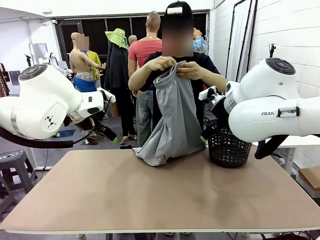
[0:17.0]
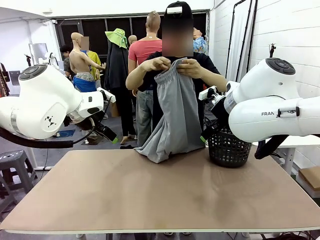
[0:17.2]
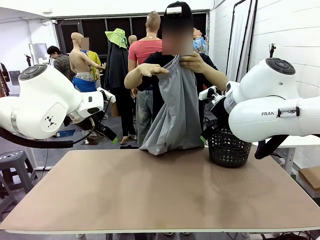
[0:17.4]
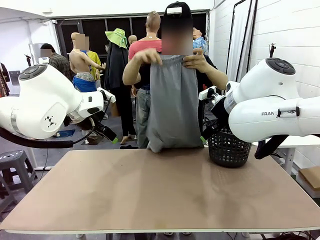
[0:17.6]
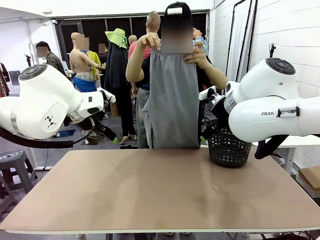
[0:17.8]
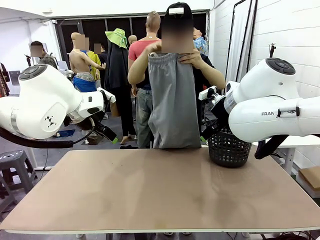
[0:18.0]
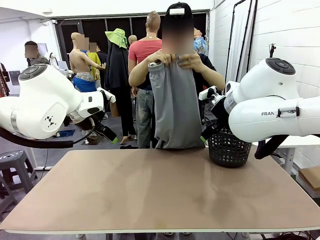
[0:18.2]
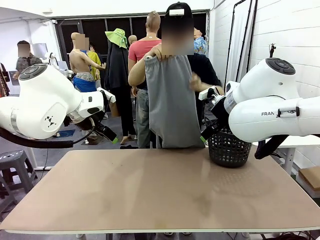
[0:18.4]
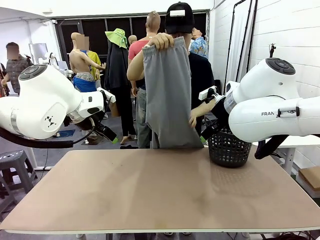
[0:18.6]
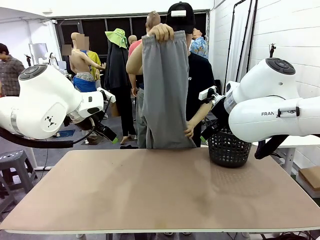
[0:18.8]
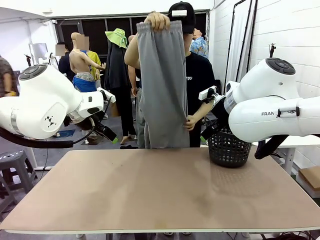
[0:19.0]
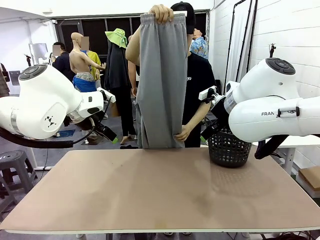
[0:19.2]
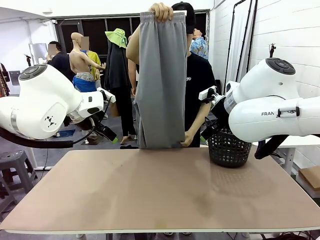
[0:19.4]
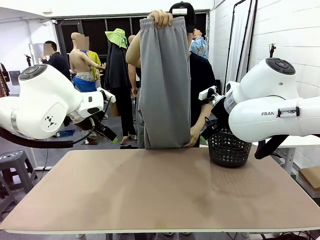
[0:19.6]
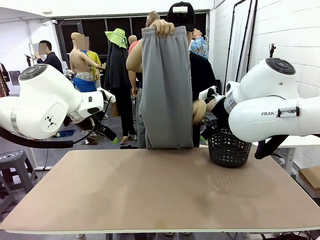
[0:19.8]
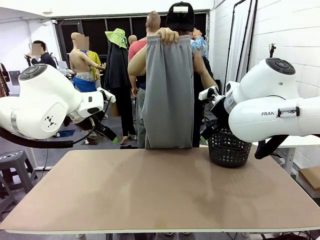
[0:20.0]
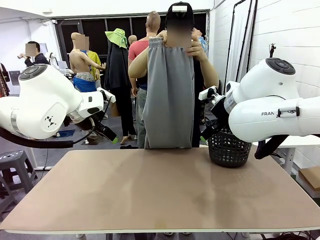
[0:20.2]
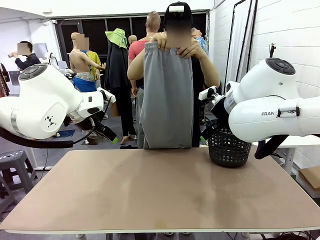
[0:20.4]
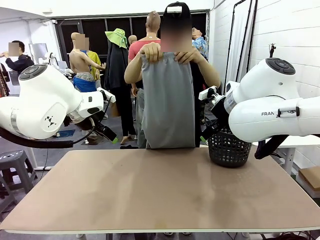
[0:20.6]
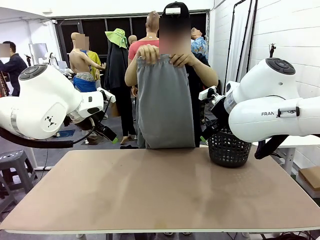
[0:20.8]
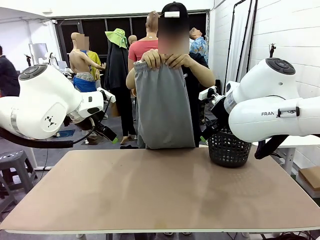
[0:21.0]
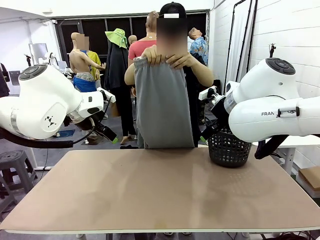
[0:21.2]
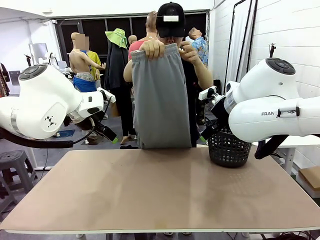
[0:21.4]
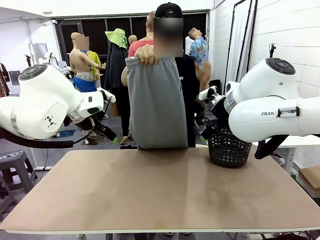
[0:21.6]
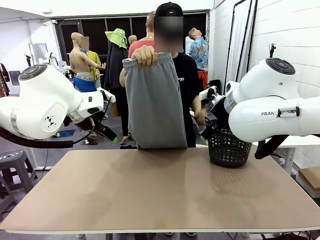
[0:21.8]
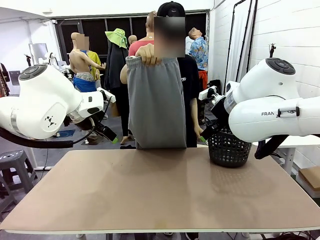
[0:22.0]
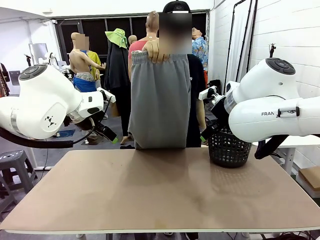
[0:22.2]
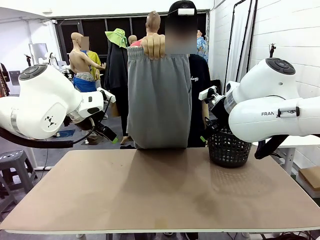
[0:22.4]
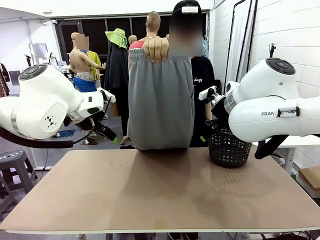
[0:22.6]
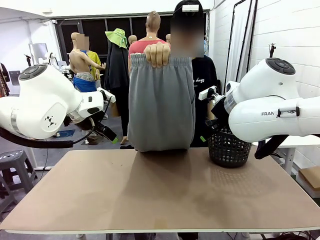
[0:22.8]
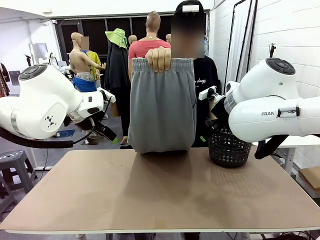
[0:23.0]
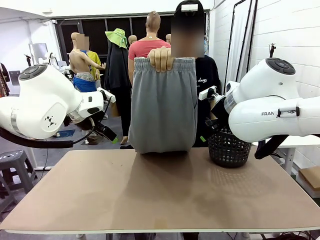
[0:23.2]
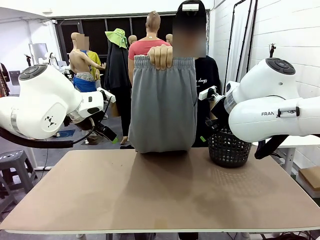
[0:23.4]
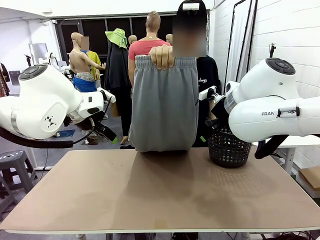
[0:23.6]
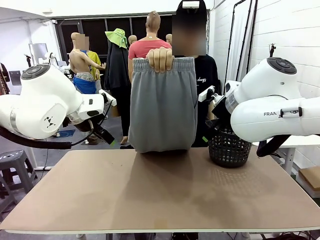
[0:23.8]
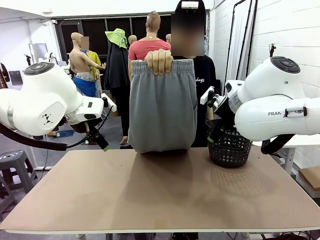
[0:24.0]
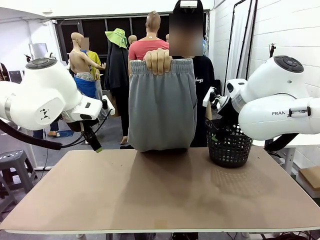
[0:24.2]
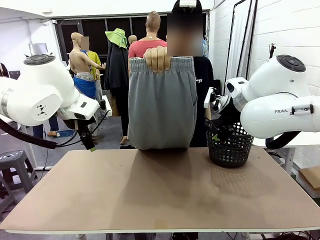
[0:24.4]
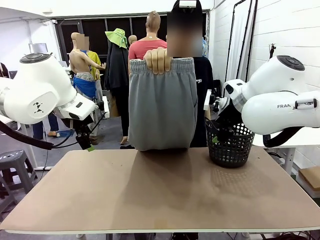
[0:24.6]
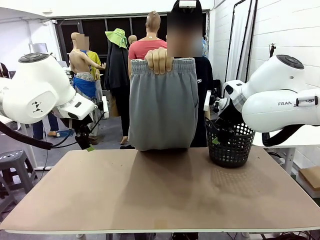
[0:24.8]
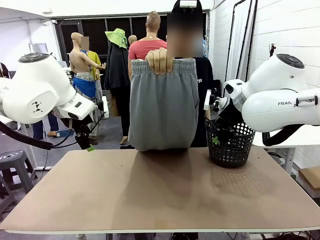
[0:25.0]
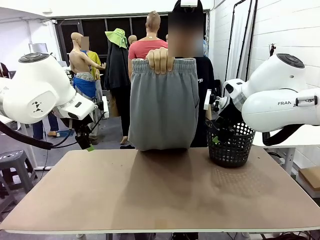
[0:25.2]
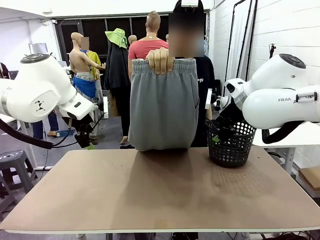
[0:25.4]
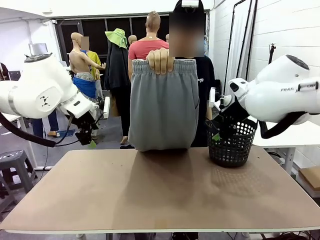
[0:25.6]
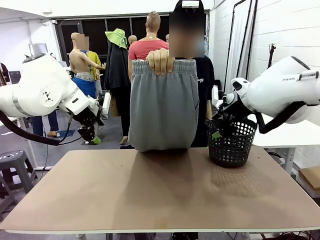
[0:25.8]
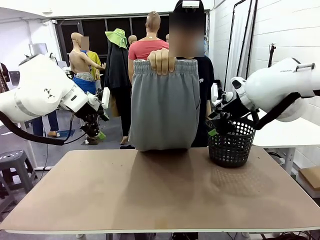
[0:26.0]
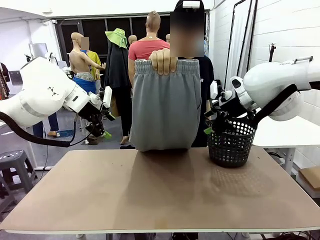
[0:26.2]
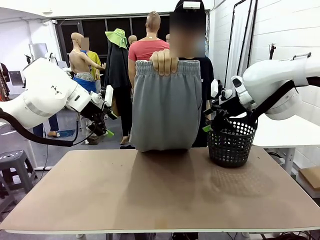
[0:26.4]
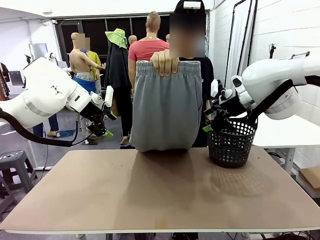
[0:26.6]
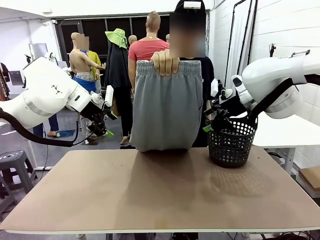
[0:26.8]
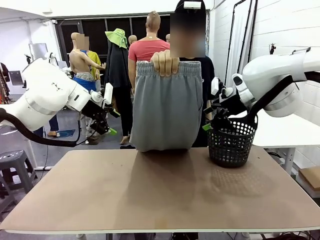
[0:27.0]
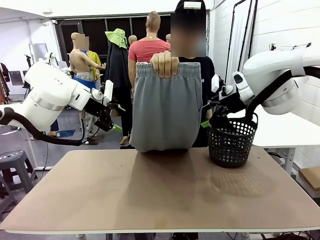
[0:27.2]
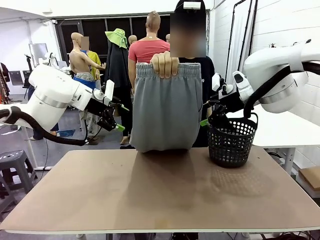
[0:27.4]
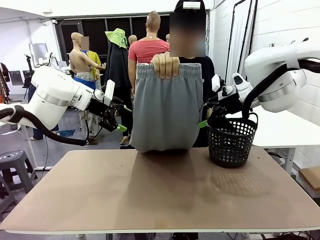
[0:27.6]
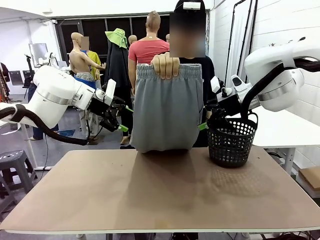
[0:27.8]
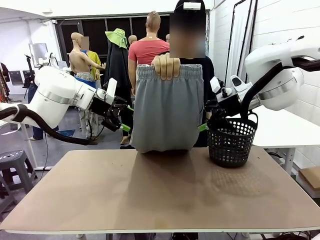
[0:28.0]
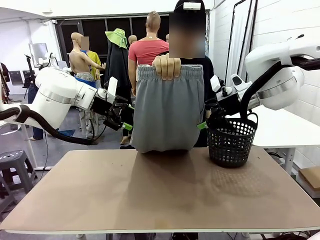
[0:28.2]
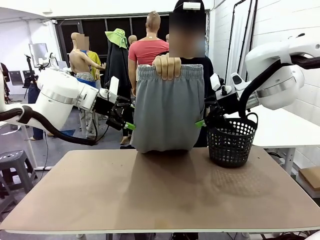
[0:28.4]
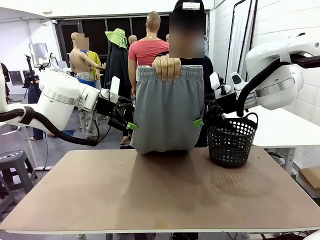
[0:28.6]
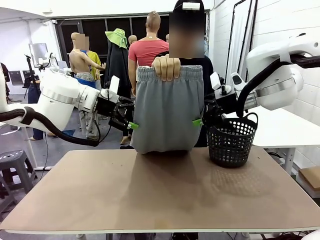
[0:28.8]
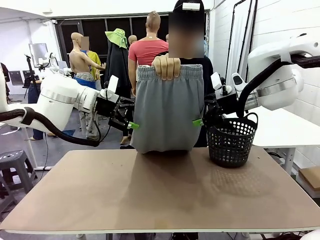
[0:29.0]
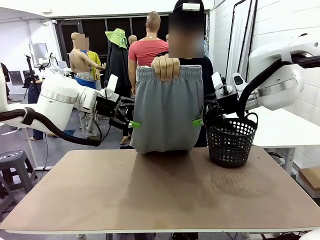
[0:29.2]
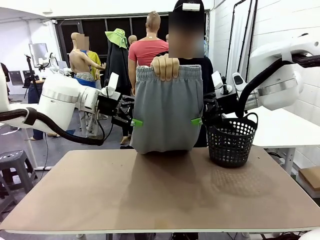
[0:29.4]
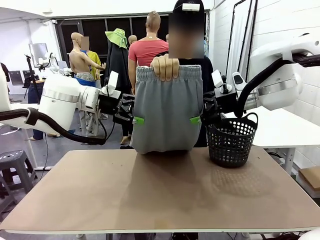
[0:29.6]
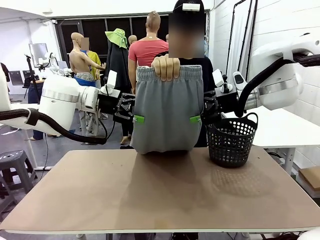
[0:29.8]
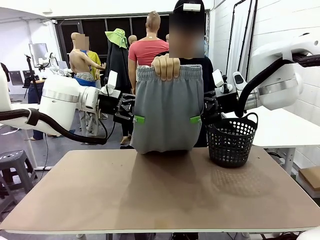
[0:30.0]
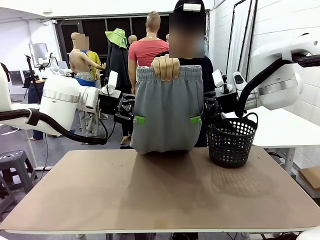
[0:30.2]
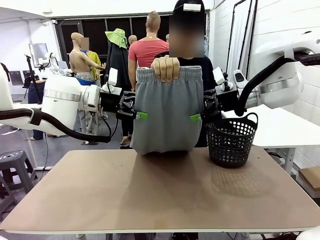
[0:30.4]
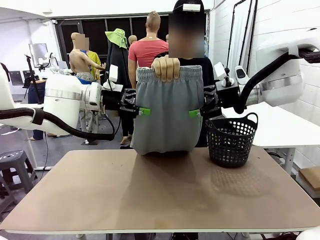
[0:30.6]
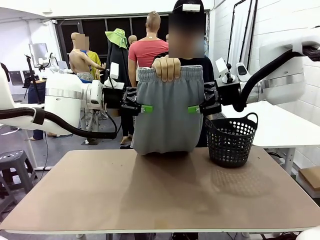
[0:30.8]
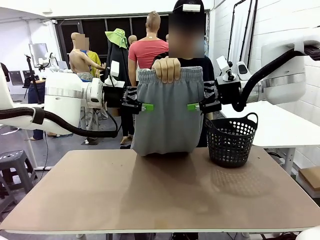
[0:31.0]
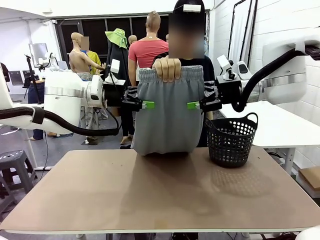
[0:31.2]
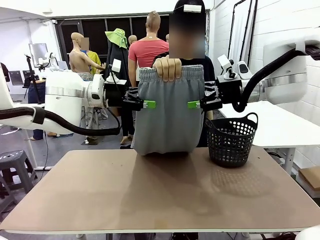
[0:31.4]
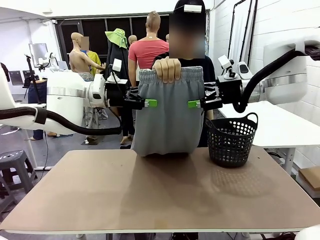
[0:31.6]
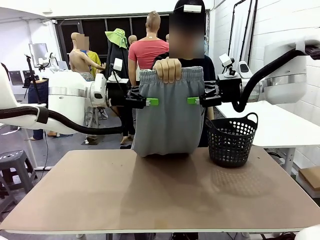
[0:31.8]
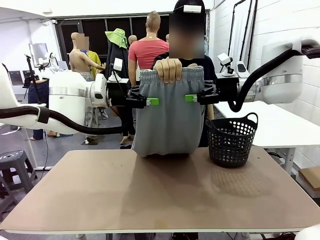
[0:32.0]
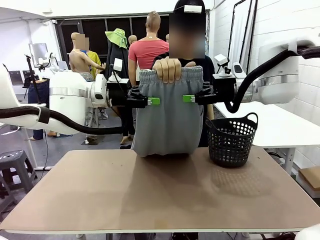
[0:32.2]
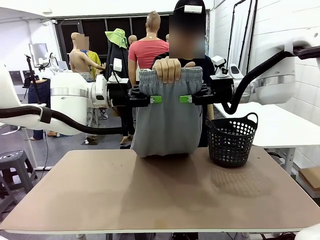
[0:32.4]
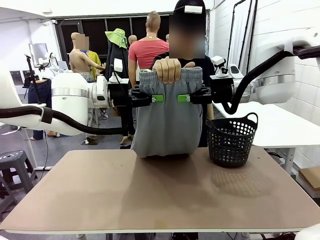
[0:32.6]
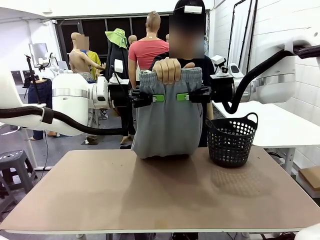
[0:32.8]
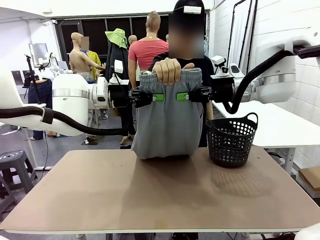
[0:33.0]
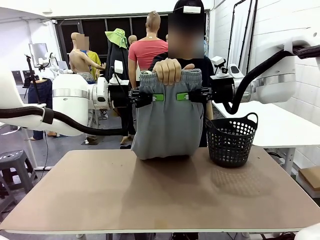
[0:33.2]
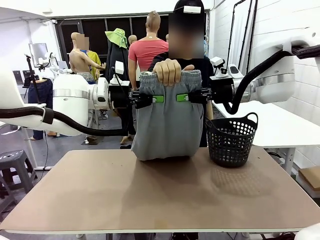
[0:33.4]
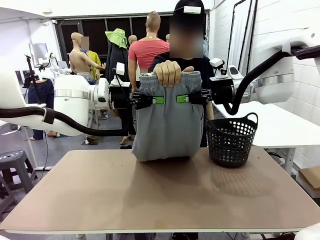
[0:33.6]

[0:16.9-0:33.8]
Task: Fold the training pants.
Robot: Grab both ends of the Training pants handed by a person.
